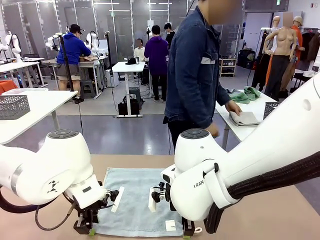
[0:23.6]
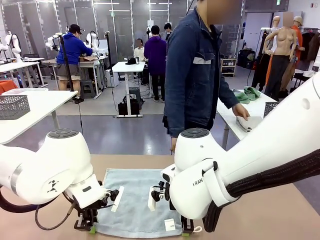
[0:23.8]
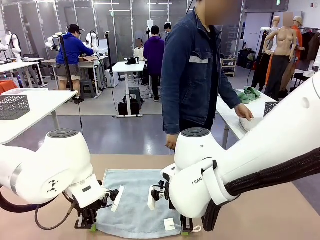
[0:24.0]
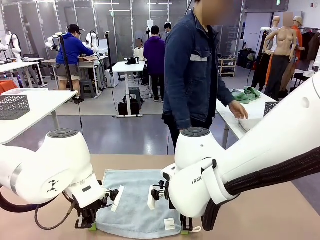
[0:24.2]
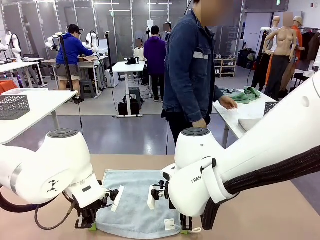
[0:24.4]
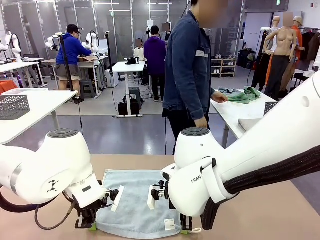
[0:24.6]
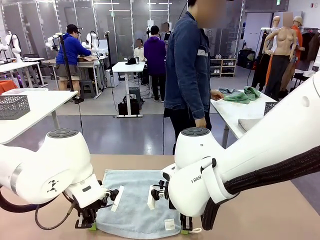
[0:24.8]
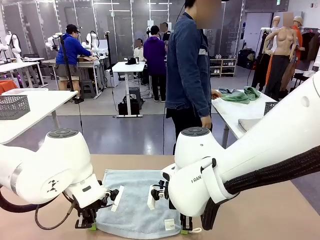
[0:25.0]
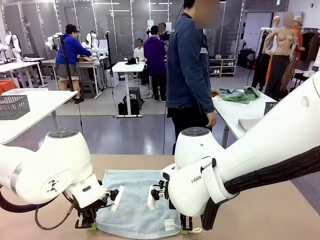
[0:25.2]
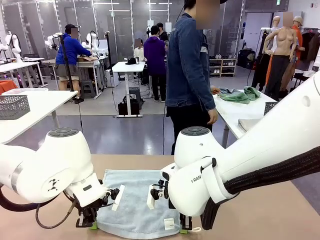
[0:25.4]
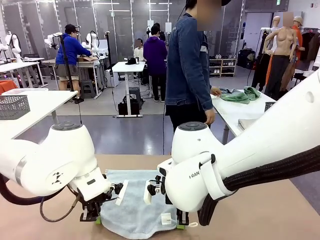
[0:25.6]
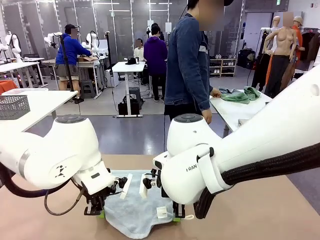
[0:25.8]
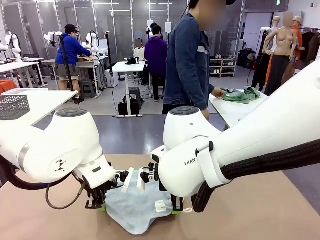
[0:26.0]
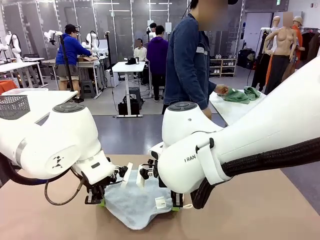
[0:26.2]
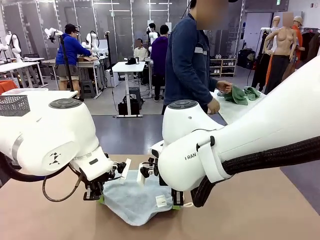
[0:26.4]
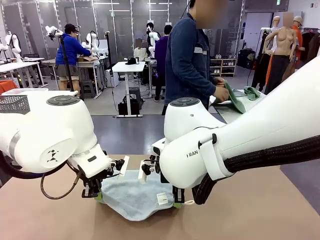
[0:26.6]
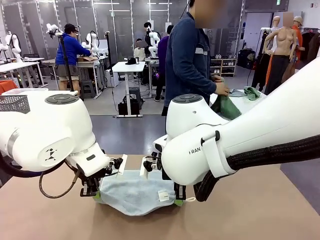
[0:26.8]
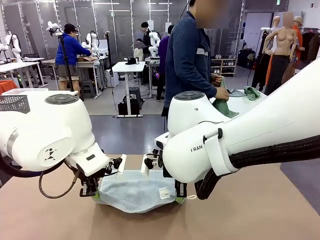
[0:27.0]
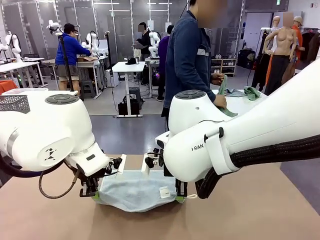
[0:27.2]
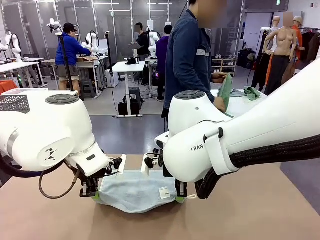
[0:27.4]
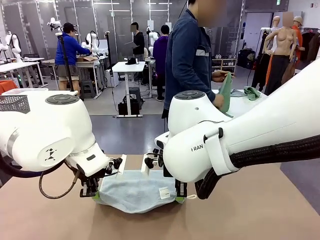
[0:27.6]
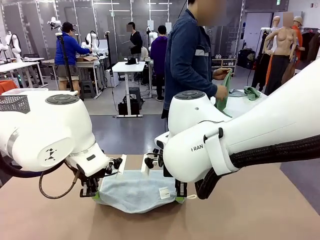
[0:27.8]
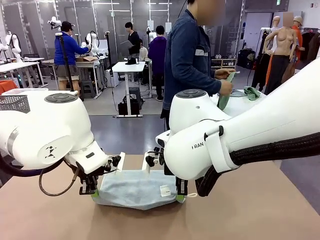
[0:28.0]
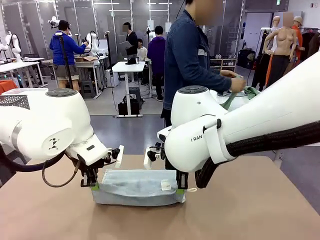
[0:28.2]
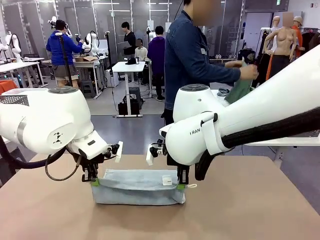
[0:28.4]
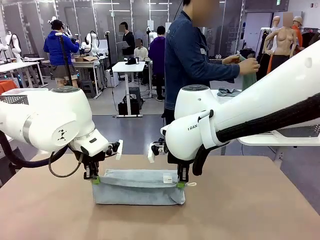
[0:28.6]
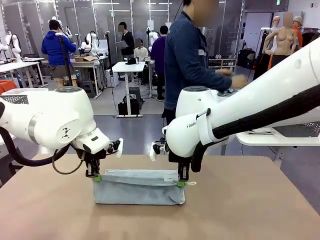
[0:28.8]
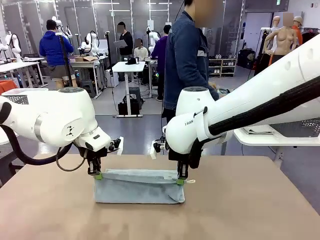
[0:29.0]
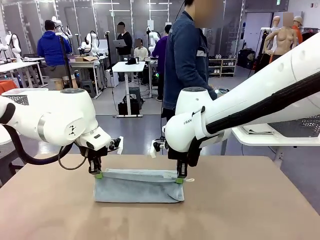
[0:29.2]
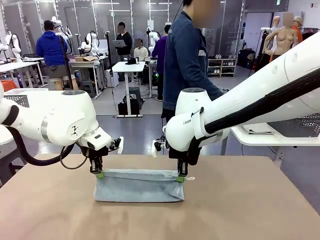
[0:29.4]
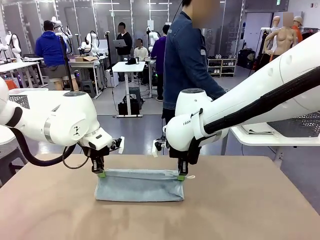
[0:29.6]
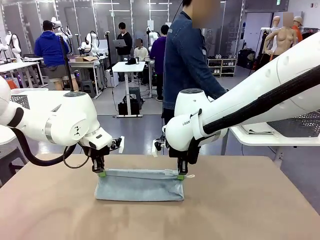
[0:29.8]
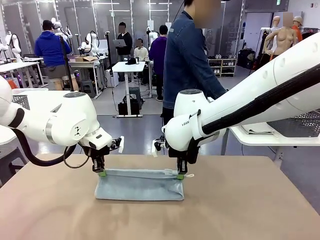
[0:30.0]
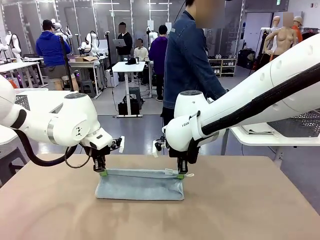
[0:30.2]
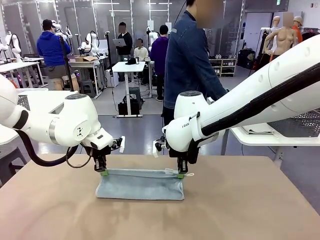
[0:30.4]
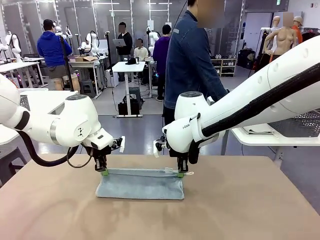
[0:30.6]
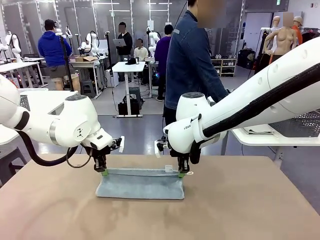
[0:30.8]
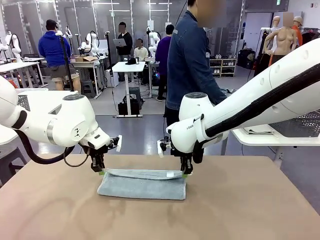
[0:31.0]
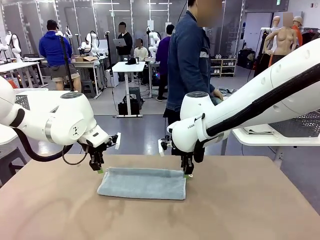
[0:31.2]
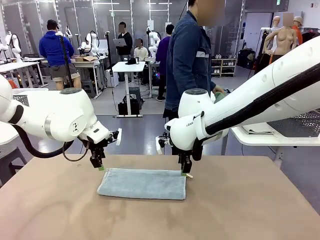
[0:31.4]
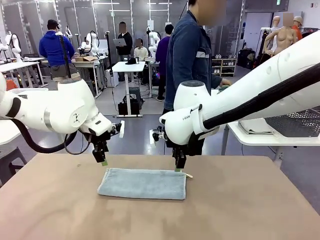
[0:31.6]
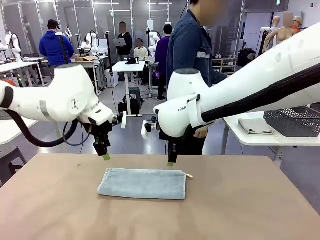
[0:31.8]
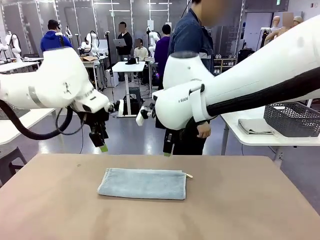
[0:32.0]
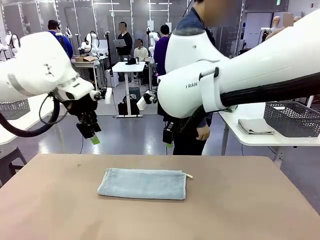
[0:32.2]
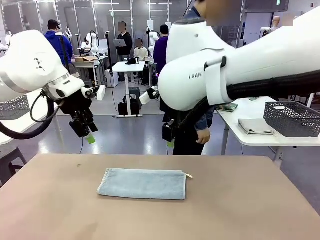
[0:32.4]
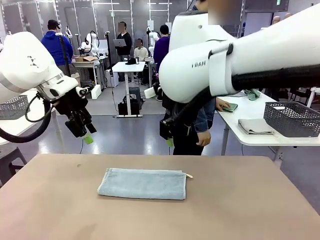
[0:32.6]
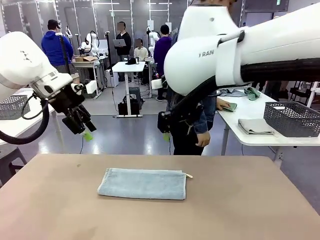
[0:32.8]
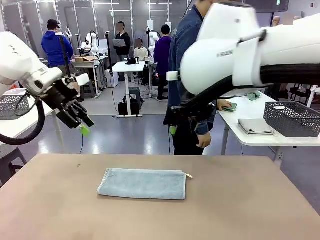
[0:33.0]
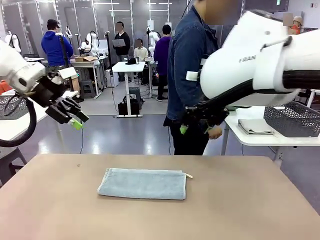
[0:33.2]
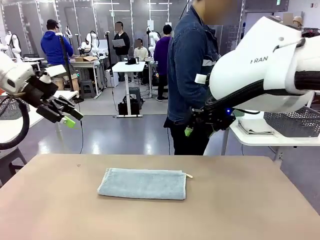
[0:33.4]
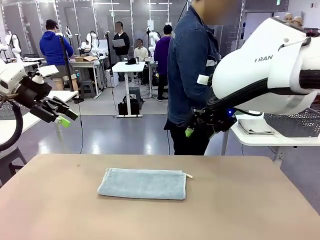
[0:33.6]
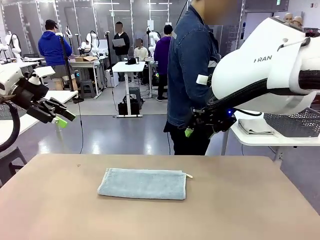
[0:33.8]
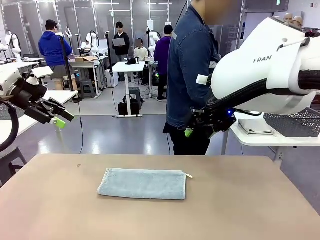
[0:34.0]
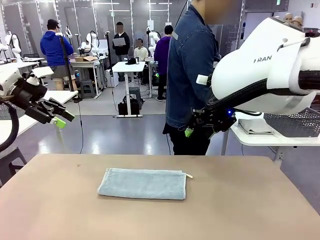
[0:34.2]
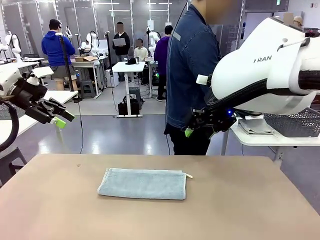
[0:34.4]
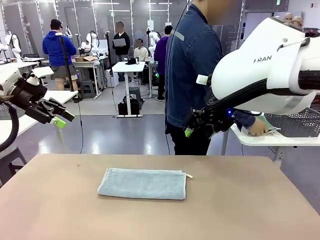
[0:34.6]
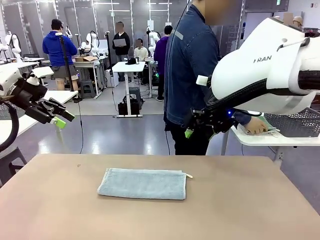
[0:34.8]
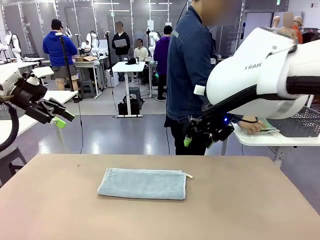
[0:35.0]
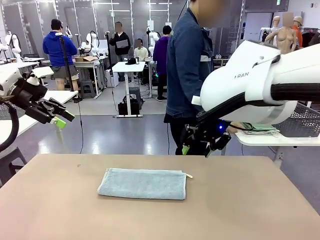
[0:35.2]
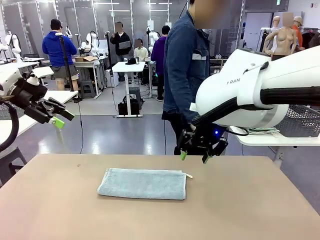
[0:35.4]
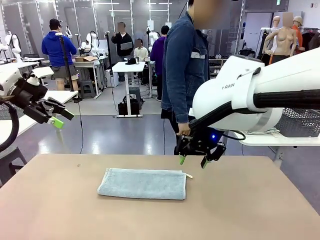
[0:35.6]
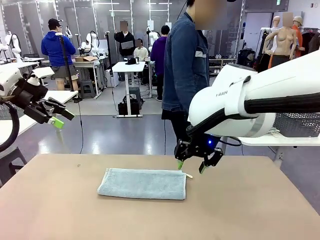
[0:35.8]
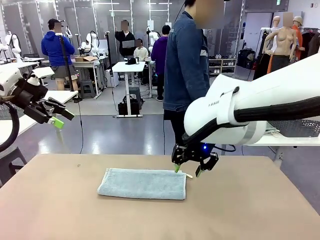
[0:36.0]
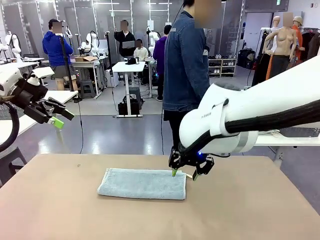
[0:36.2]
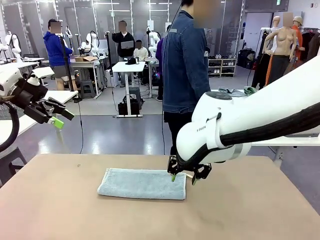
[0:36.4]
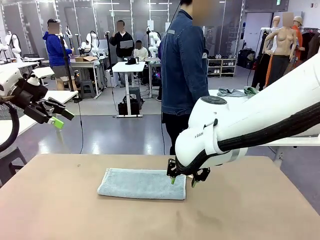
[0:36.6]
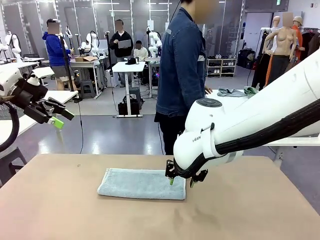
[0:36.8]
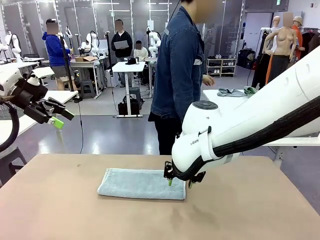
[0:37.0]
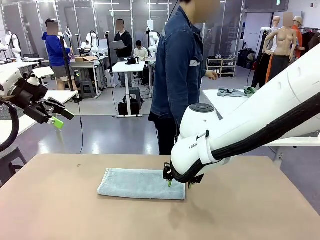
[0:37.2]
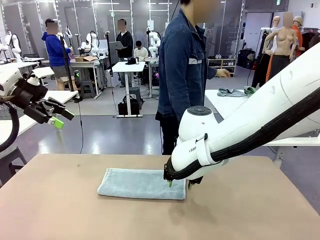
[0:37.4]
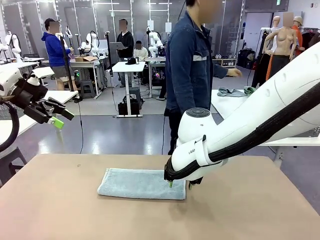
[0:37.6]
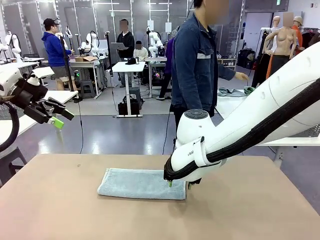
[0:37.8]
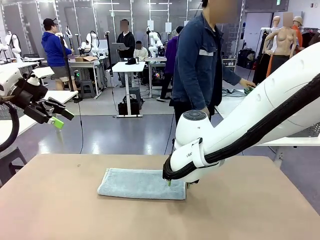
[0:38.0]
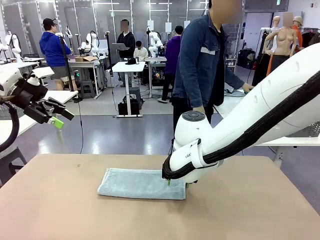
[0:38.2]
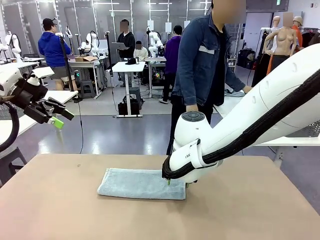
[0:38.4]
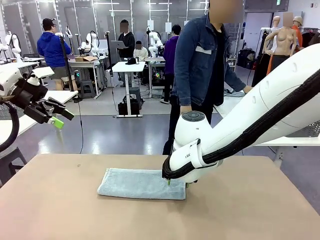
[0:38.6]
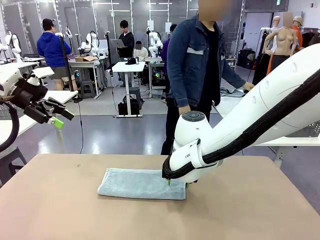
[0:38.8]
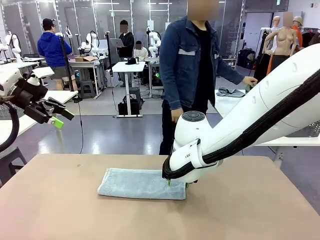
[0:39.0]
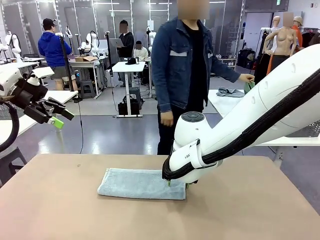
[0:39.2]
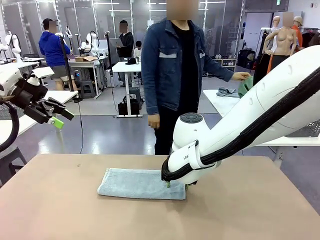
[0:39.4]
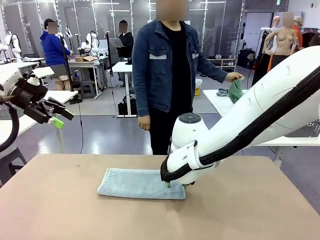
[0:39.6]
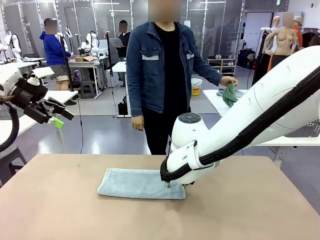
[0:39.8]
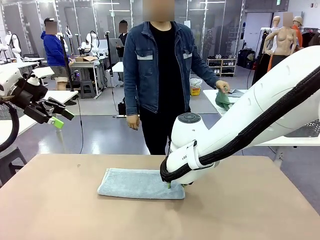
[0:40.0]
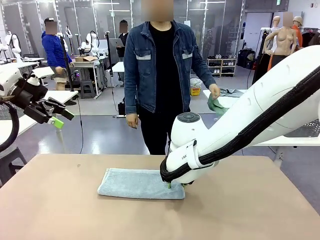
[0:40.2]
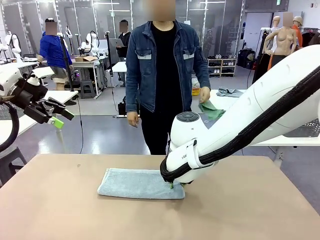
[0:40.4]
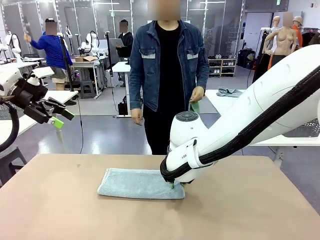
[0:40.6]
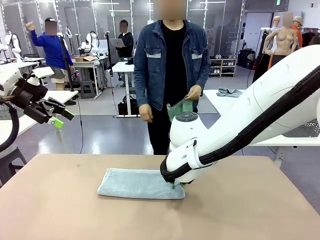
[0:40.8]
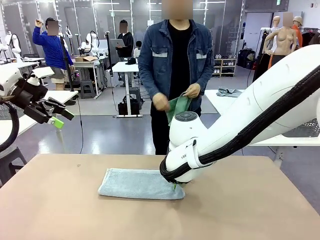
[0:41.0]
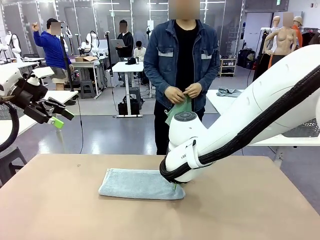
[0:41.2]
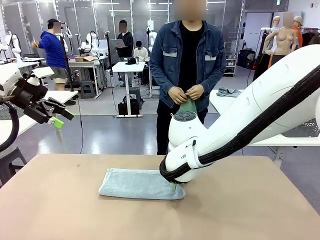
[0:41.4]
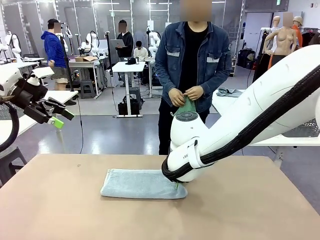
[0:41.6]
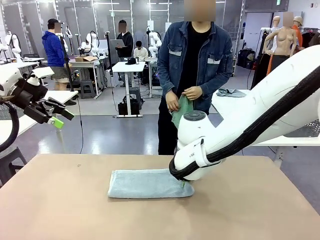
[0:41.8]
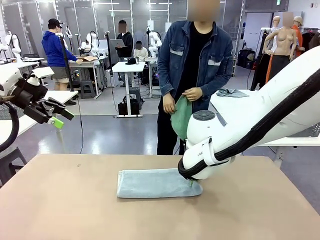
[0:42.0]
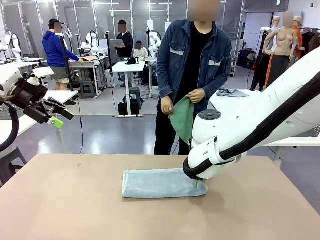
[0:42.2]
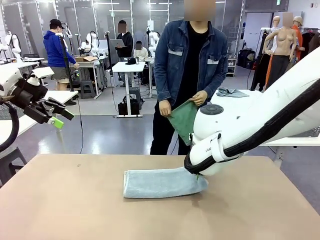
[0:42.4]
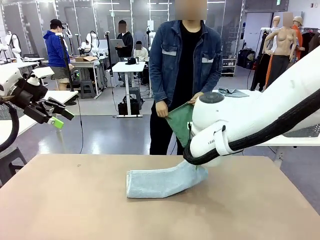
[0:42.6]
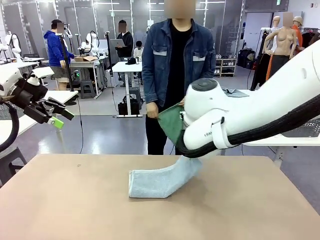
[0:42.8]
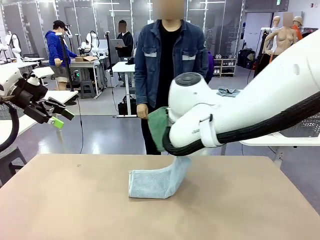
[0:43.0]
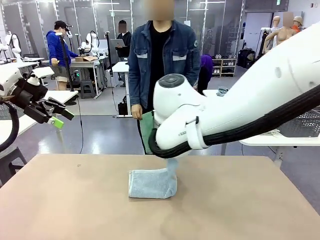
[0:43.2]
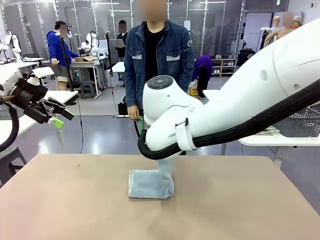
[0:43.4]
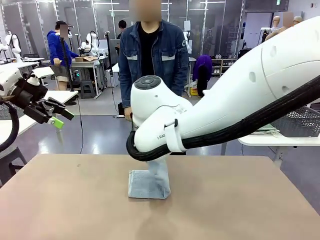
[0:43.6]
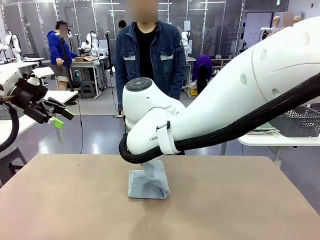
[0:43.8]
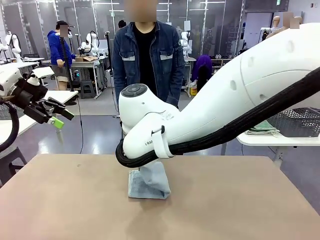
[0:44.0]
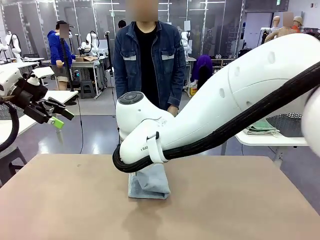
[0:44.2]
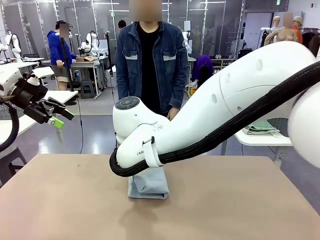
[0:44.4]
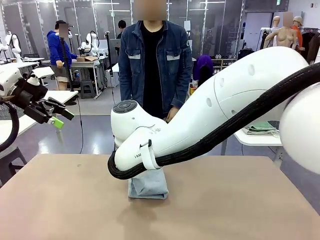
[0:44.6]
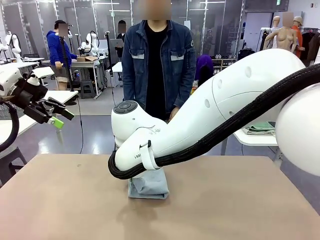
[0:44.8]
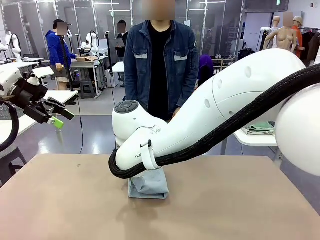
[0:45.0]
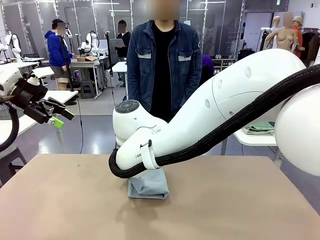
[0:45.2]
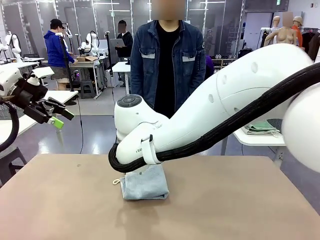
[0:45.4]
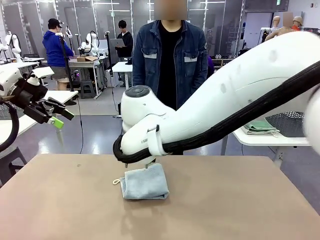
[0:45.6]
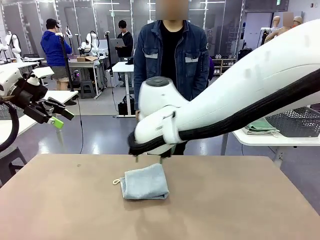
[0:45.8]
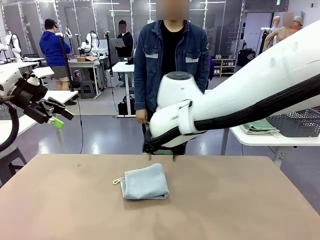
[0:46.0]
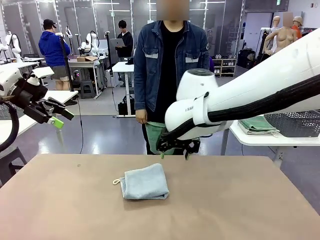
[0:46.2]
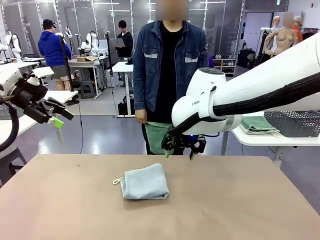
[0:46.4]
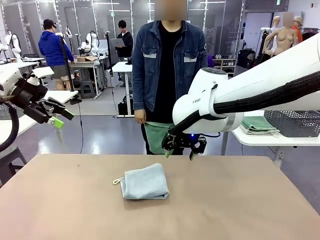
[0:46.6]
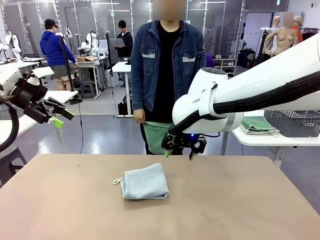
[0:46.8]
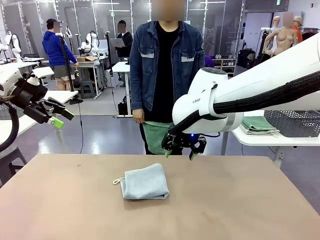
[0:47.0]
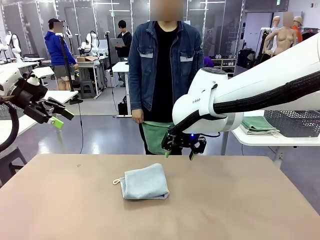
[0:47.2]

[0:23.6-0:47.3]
Task: Fold the towels and place them in the basket.
Robot: When a person lays out a Towel with hook on the table, fold it in half twice.
Person: Pick up one towel from the left side of the human table, fold it in half twice, and stack it on the right side of the table.
